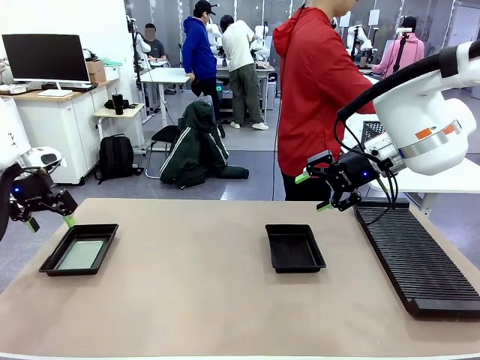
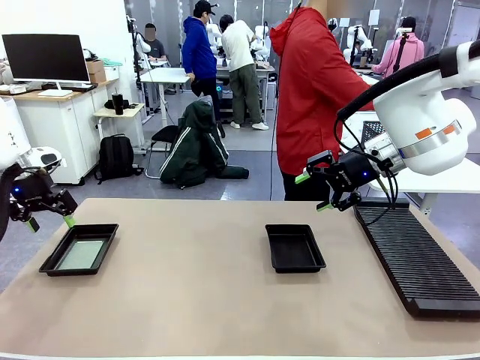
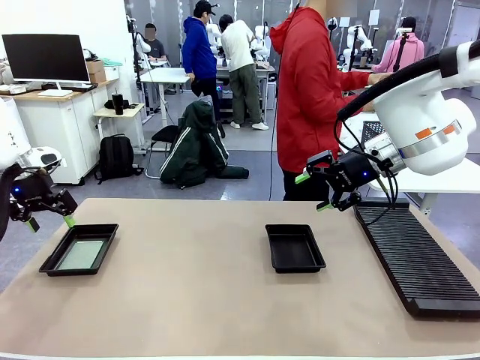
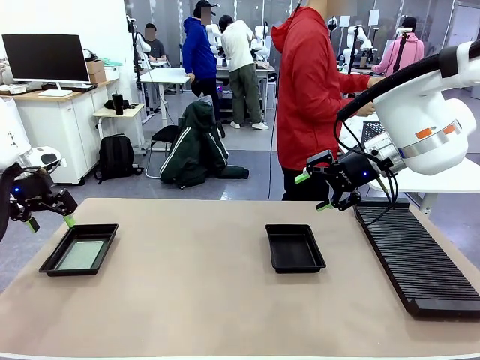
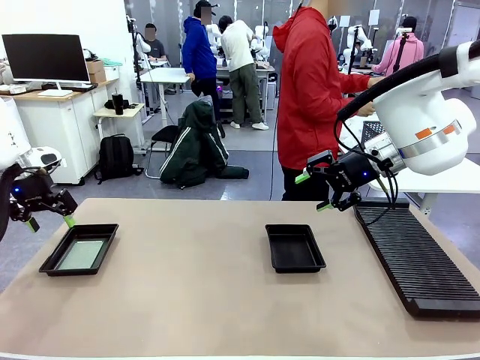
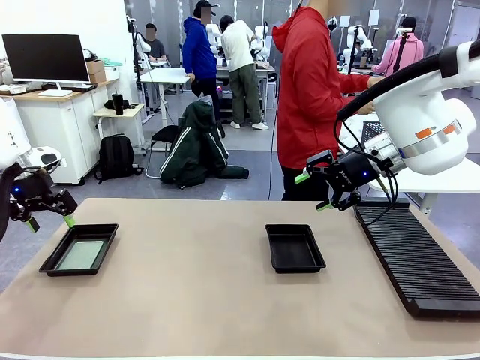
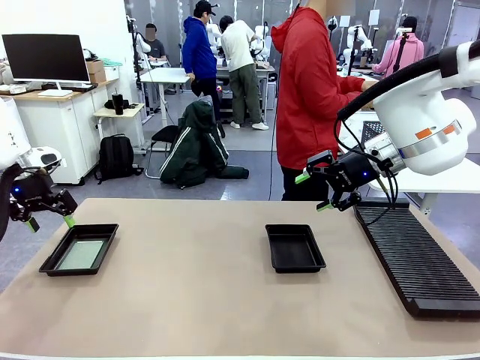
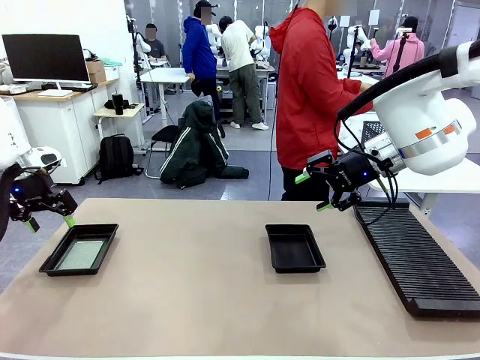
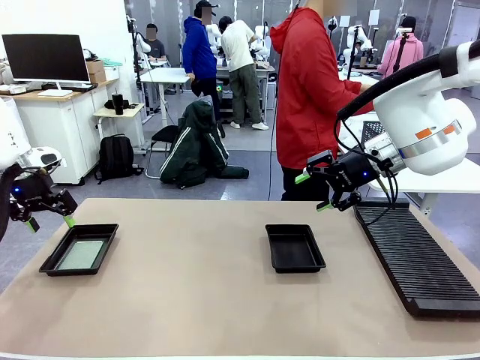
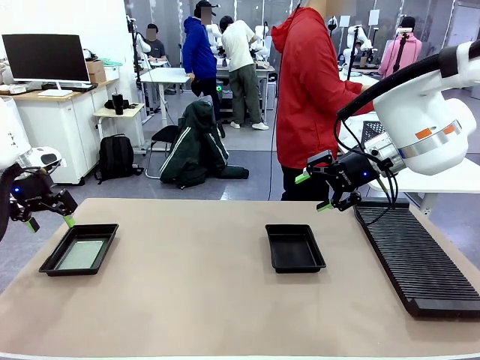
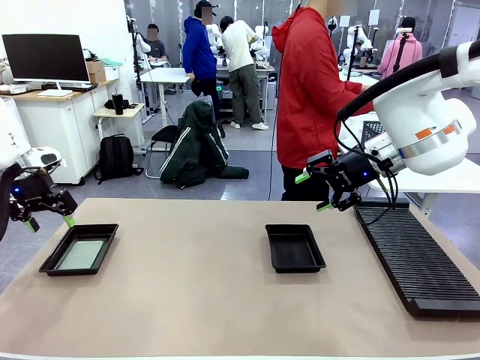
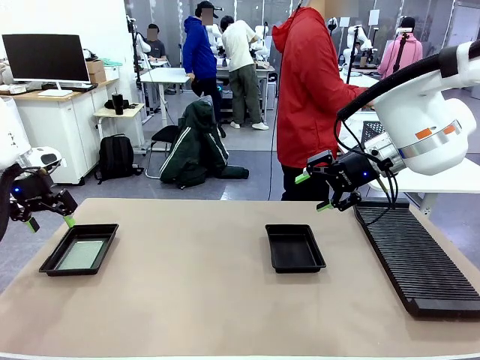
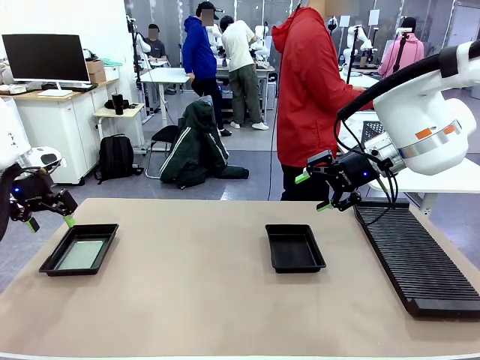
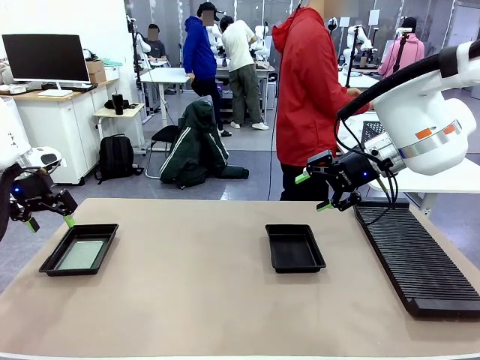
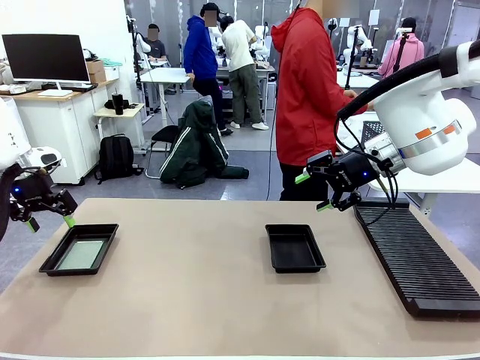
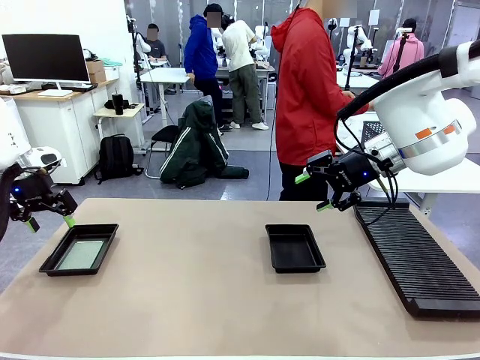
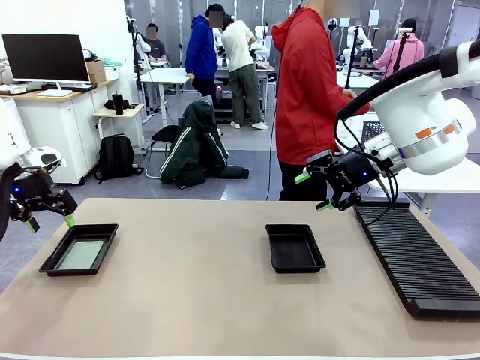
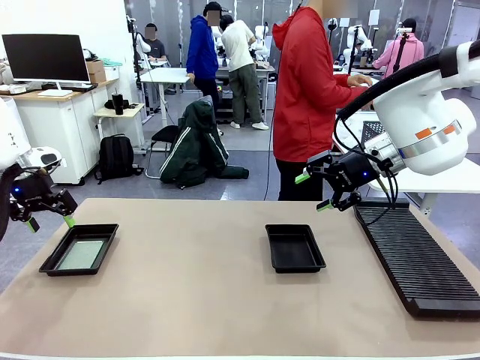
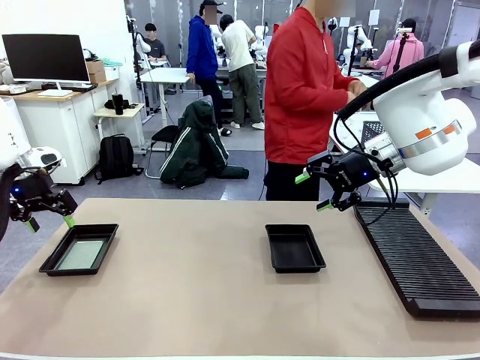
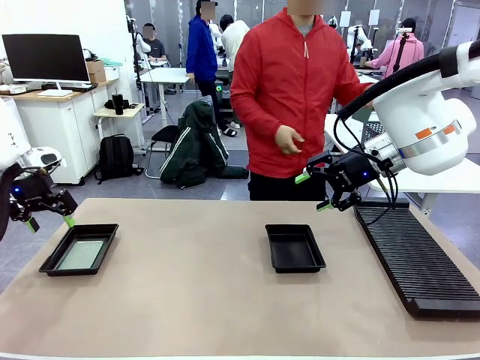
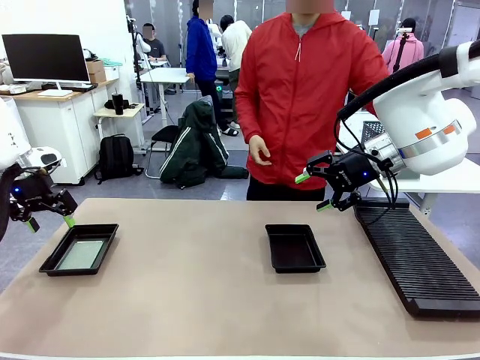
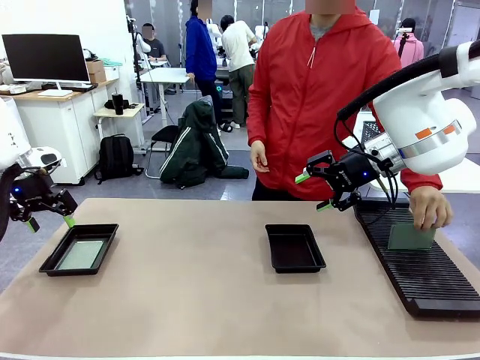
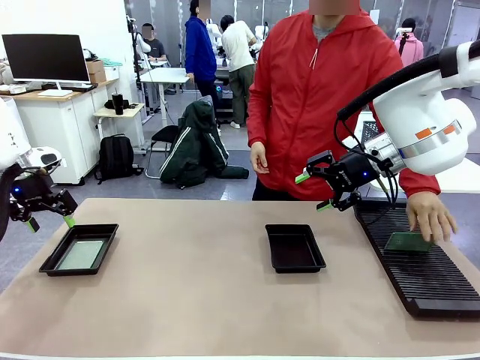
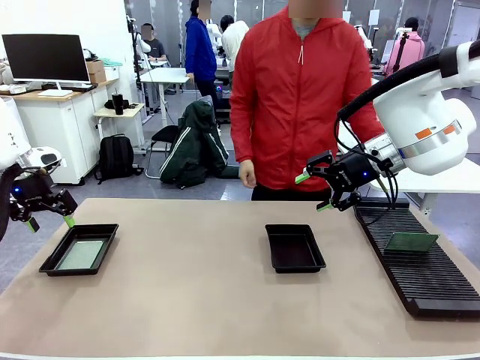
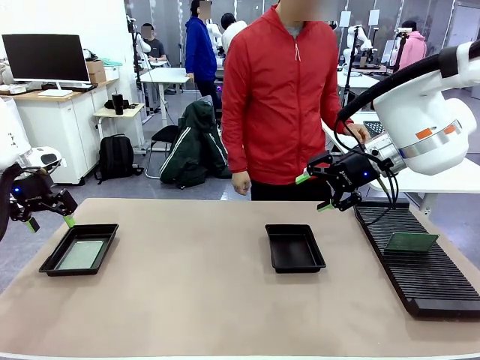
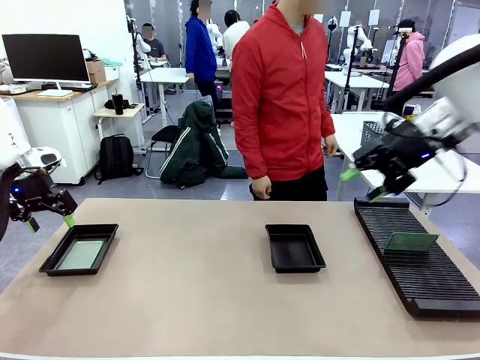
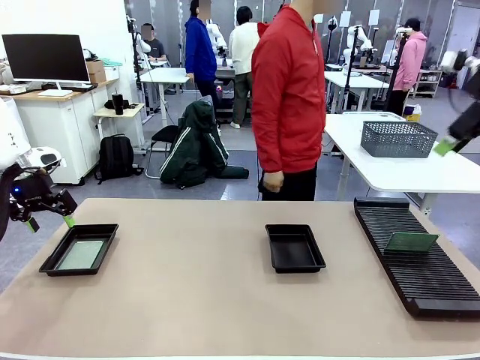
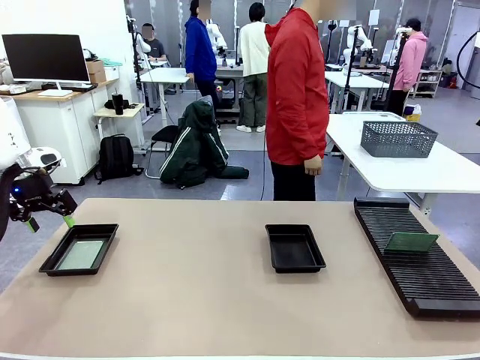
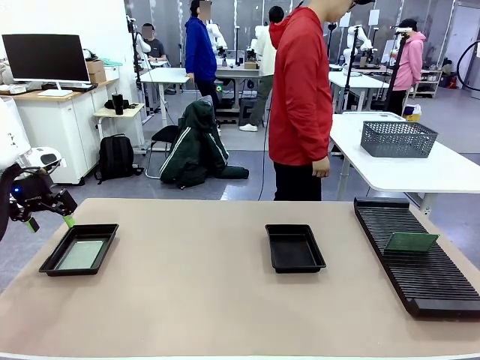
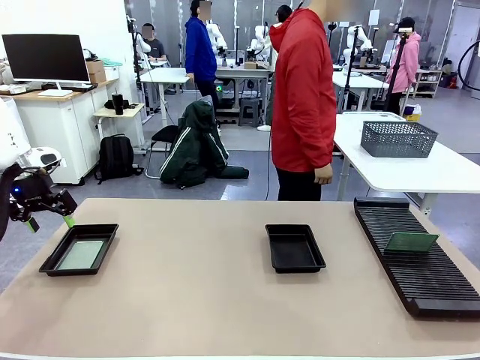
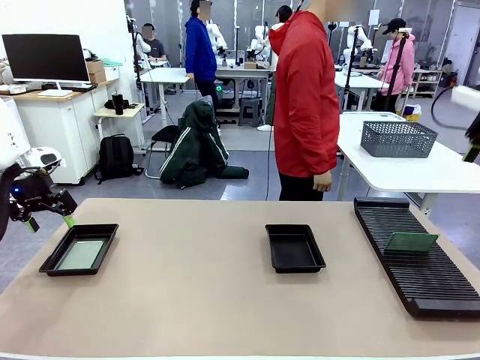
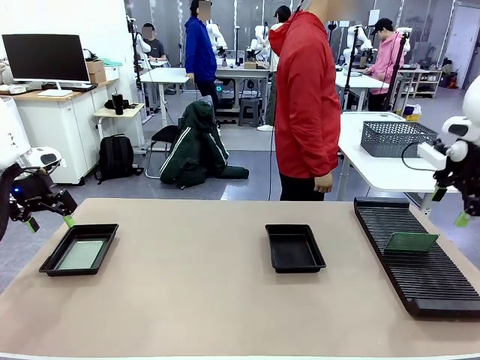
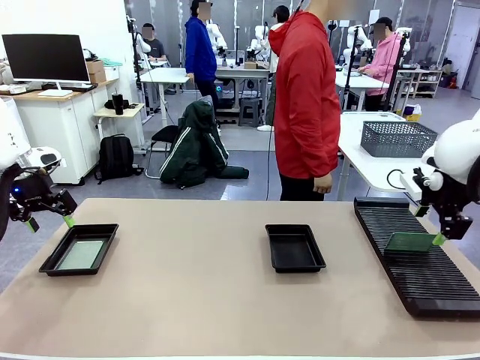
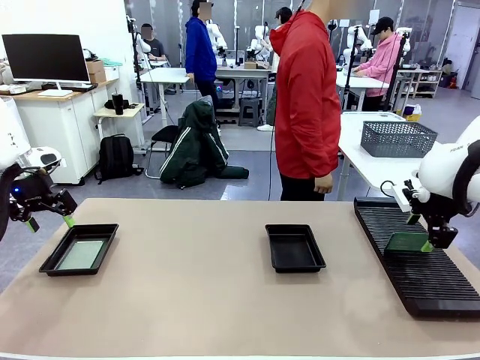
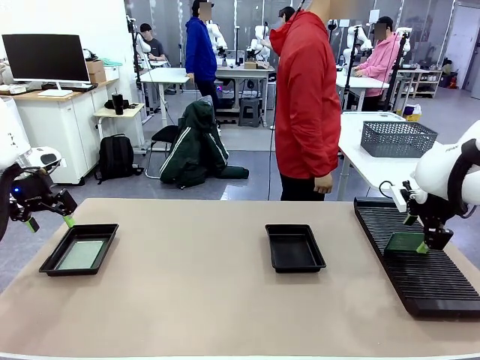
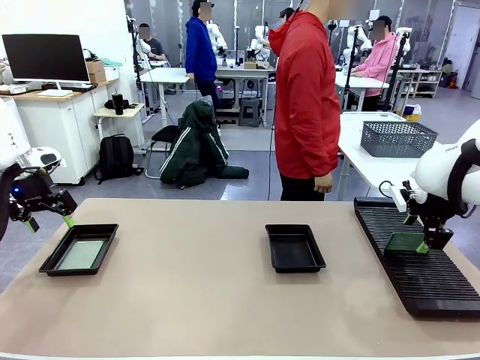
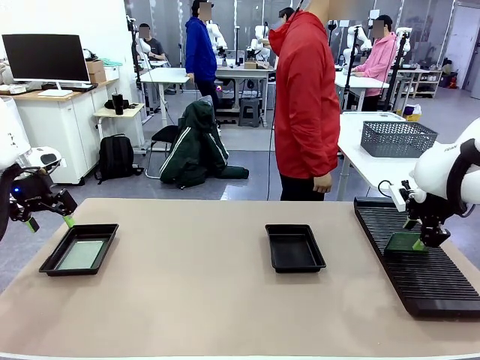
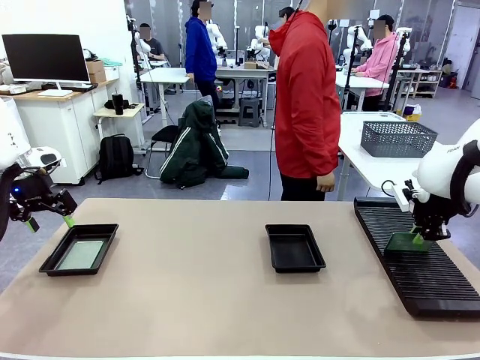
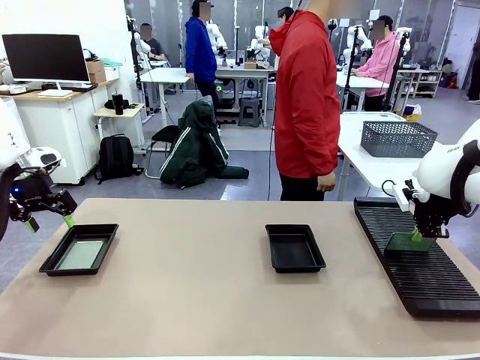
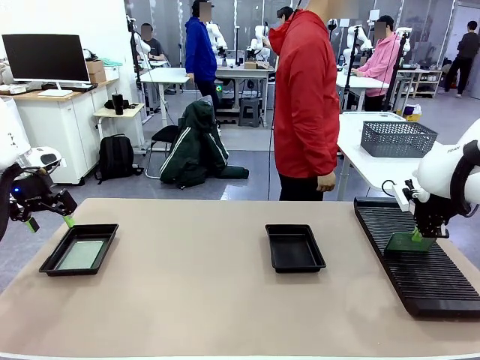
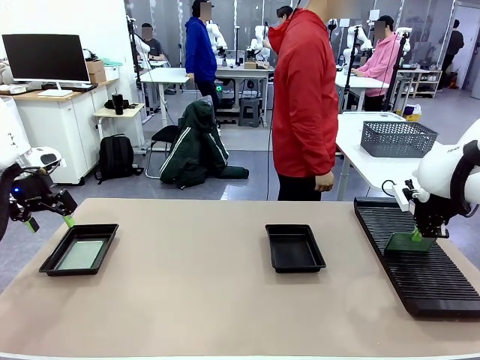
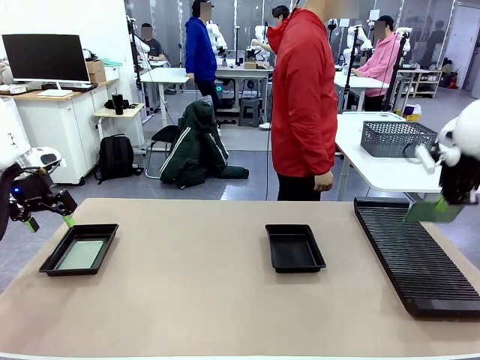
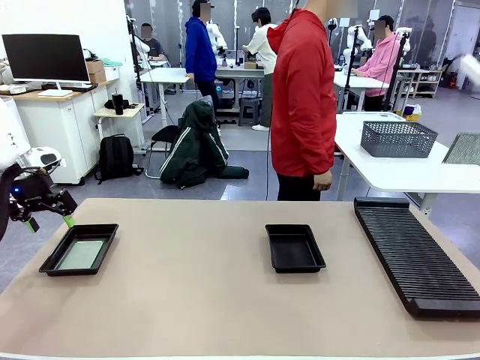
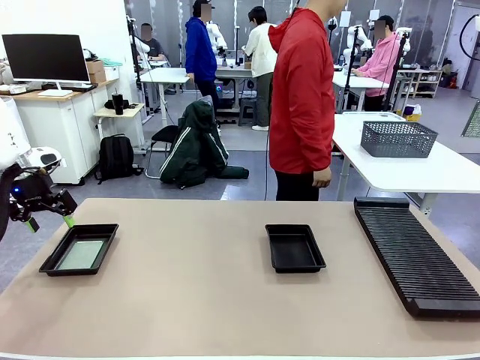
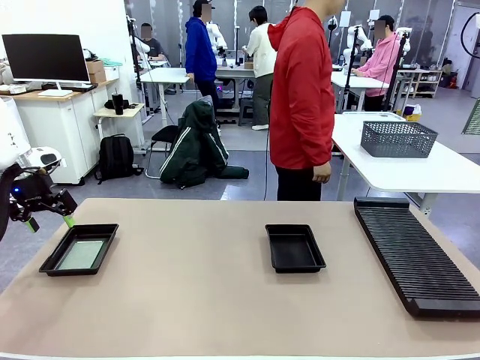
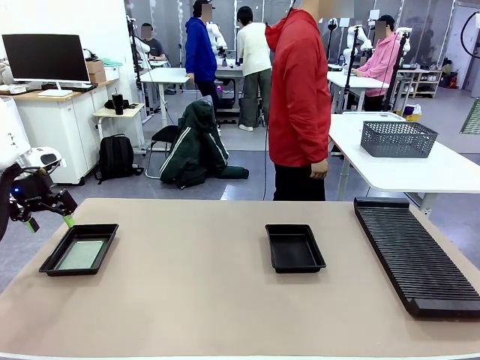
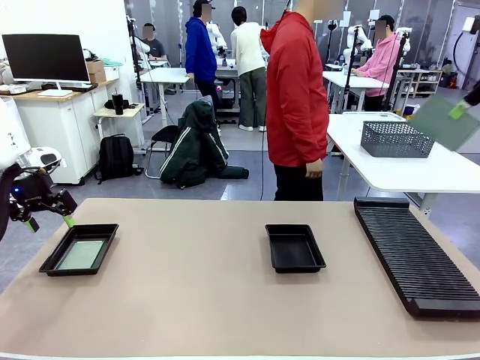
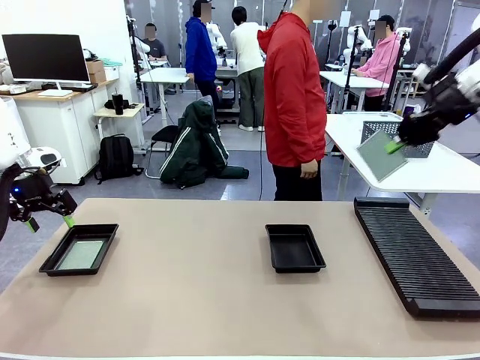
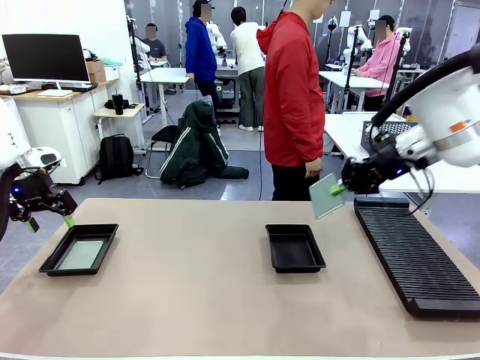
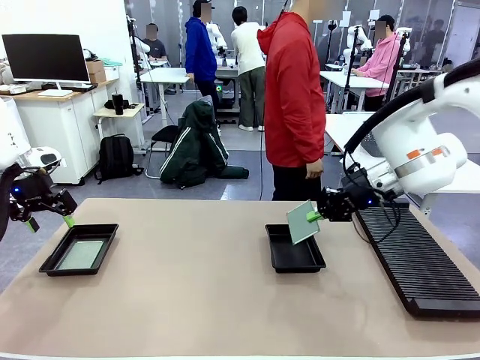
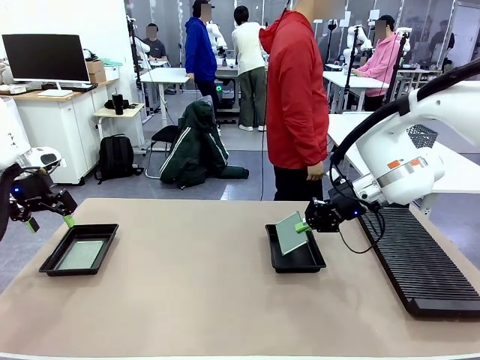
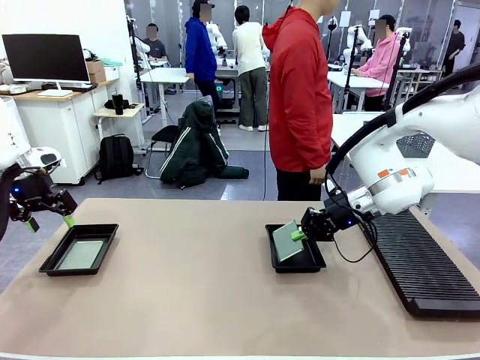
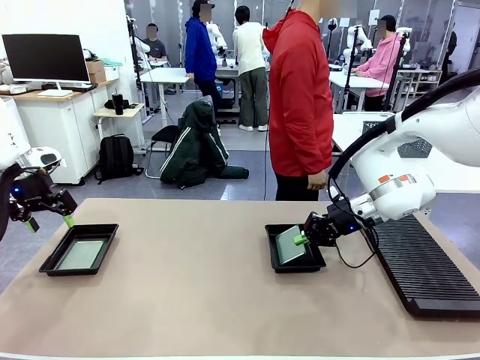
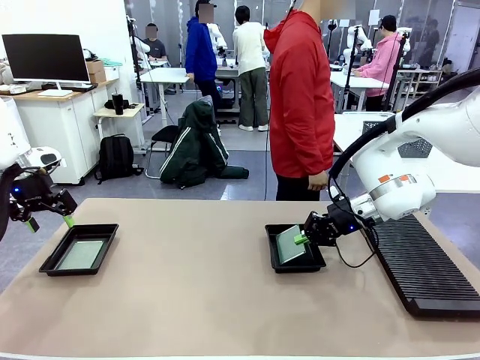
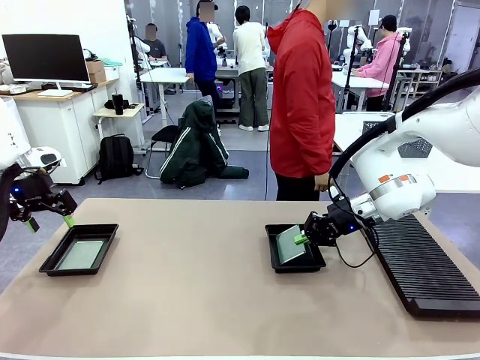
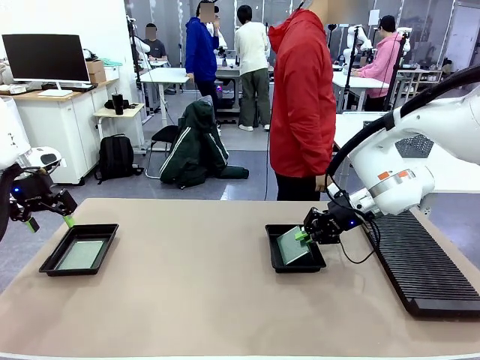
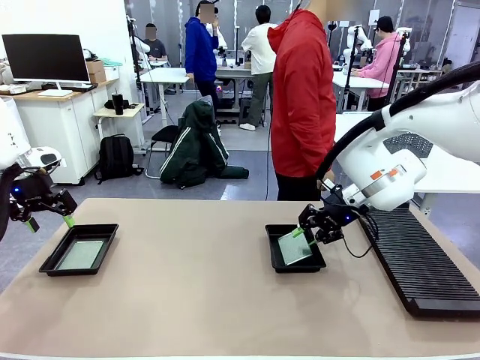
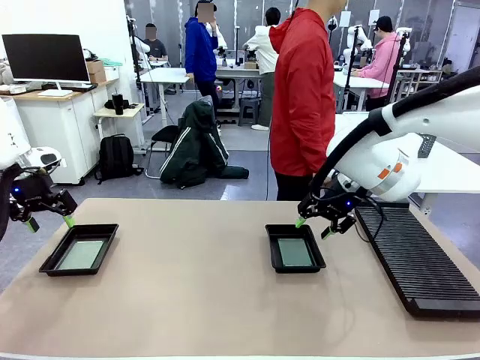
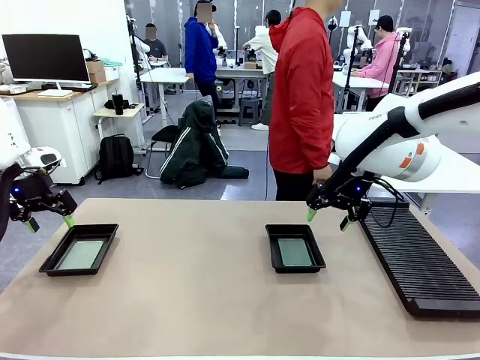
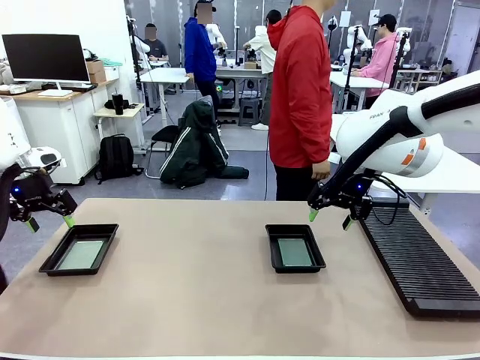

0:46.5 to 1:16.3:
Task: Inspect and transfer BCBs to ESD trays.
Robot: Pick up the Blank PCB from the PCB Rack and place it in the right ESD tray.
